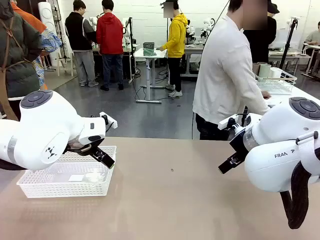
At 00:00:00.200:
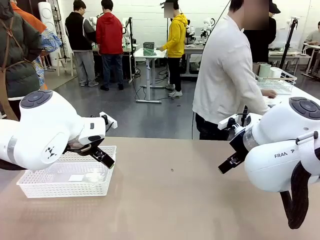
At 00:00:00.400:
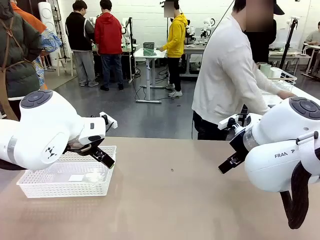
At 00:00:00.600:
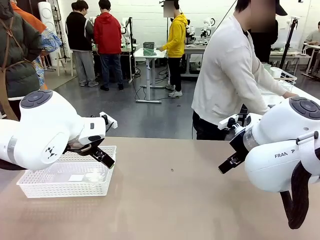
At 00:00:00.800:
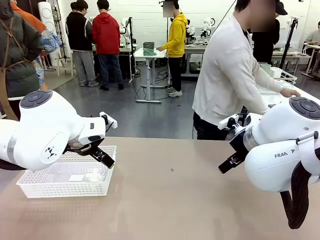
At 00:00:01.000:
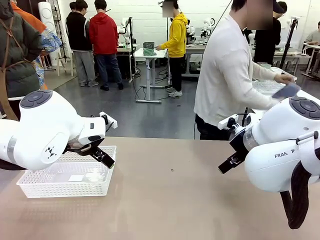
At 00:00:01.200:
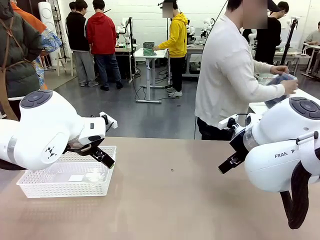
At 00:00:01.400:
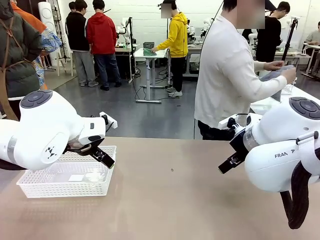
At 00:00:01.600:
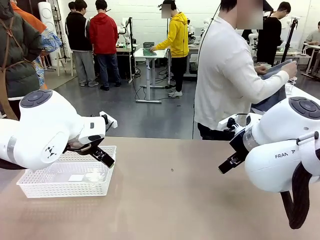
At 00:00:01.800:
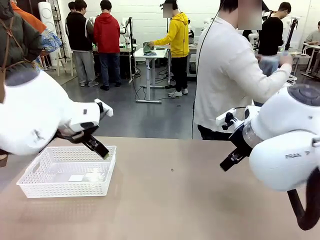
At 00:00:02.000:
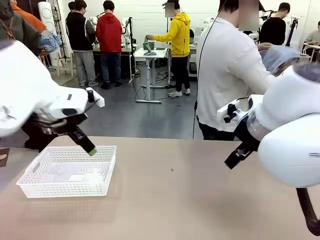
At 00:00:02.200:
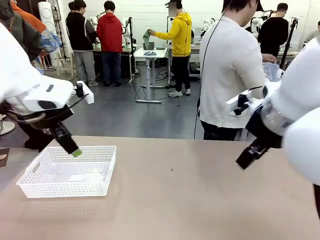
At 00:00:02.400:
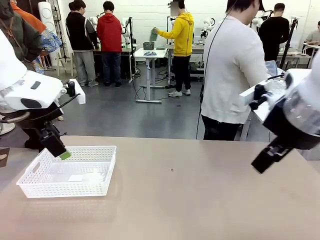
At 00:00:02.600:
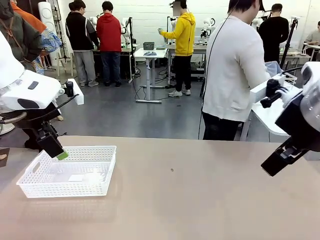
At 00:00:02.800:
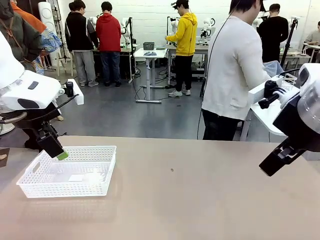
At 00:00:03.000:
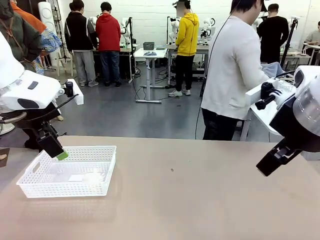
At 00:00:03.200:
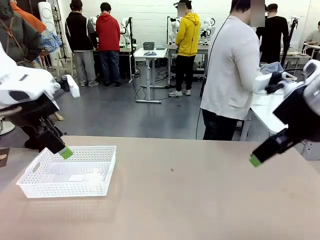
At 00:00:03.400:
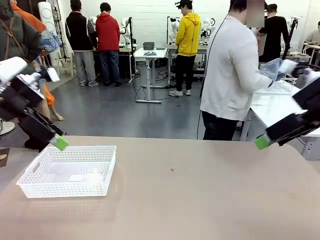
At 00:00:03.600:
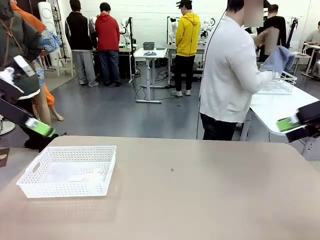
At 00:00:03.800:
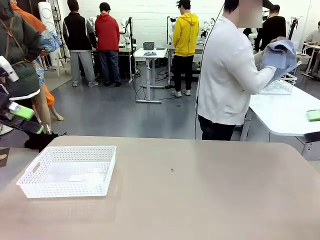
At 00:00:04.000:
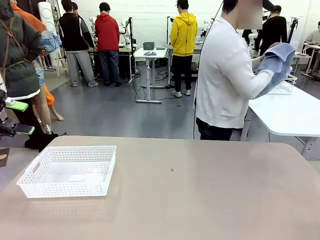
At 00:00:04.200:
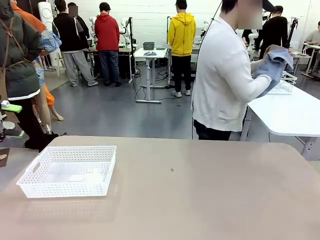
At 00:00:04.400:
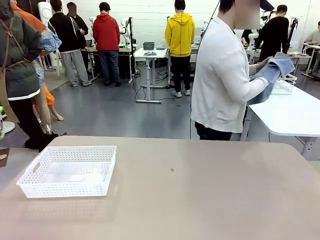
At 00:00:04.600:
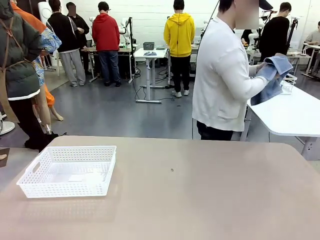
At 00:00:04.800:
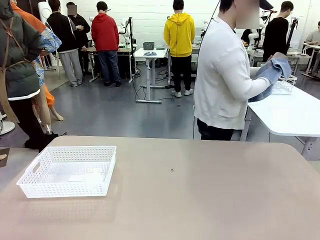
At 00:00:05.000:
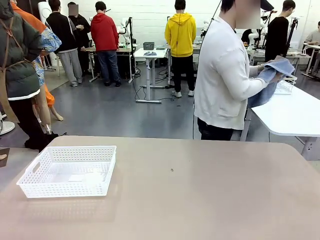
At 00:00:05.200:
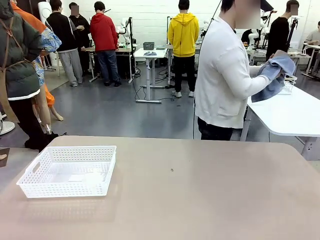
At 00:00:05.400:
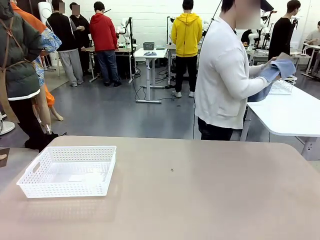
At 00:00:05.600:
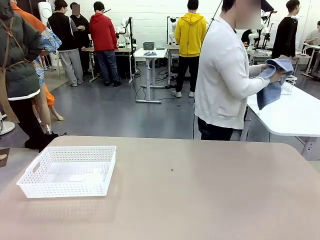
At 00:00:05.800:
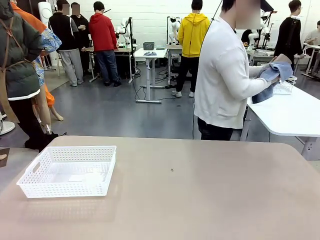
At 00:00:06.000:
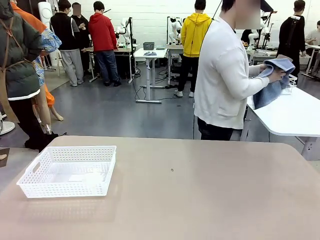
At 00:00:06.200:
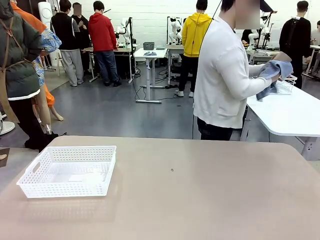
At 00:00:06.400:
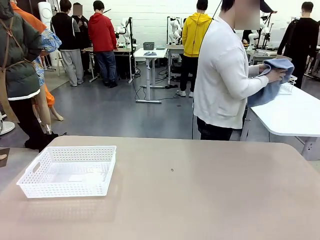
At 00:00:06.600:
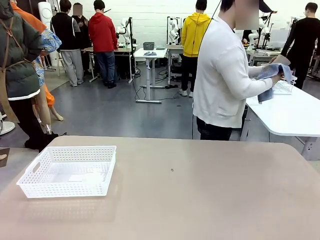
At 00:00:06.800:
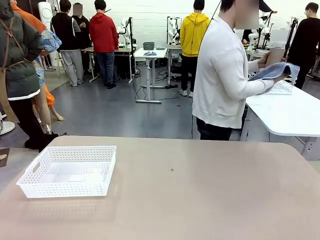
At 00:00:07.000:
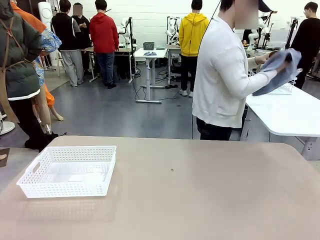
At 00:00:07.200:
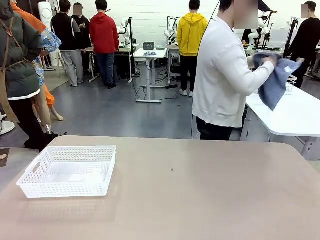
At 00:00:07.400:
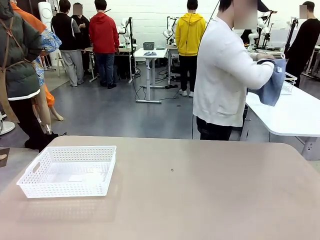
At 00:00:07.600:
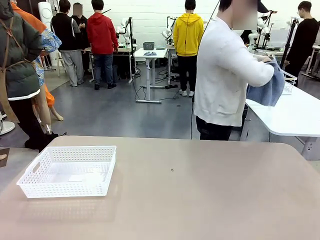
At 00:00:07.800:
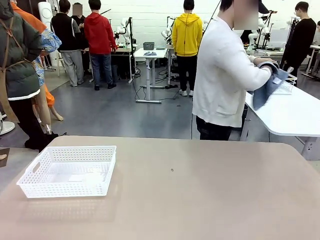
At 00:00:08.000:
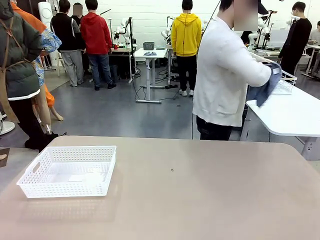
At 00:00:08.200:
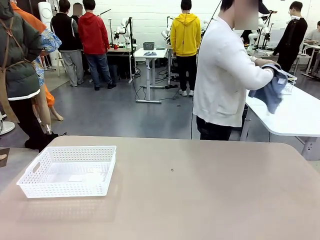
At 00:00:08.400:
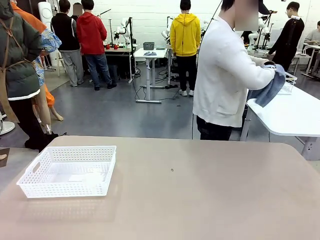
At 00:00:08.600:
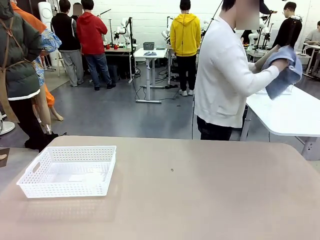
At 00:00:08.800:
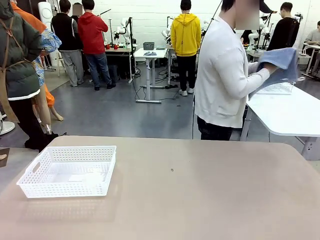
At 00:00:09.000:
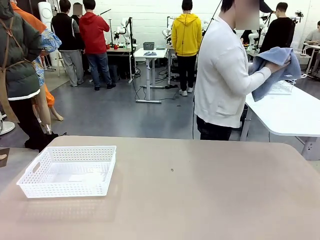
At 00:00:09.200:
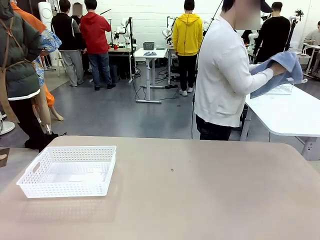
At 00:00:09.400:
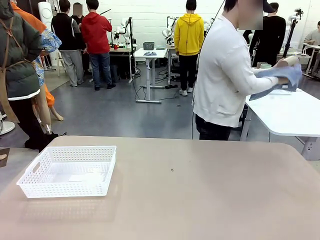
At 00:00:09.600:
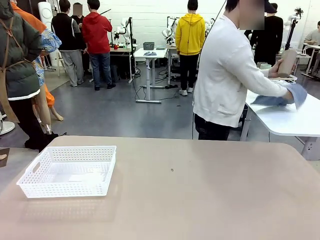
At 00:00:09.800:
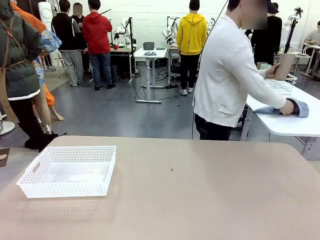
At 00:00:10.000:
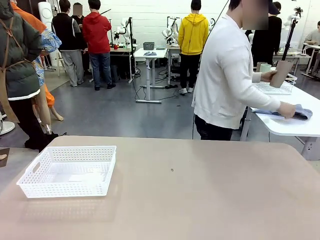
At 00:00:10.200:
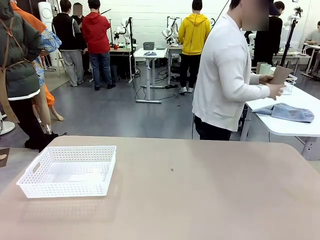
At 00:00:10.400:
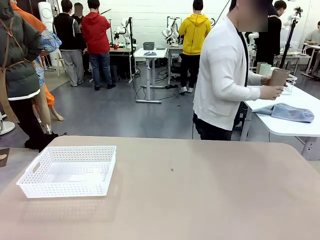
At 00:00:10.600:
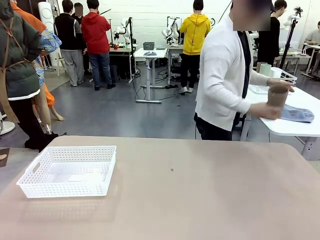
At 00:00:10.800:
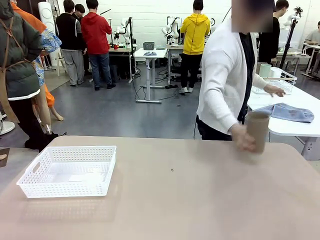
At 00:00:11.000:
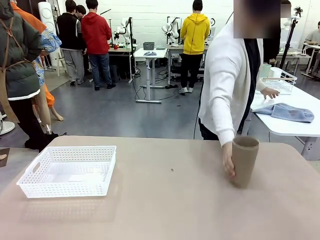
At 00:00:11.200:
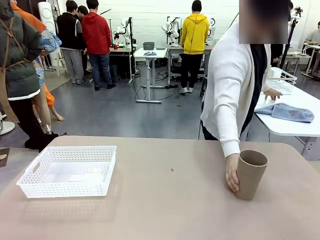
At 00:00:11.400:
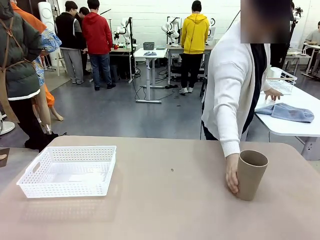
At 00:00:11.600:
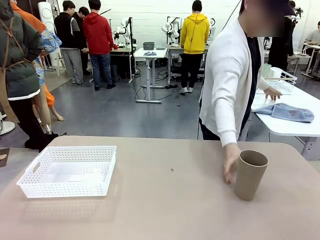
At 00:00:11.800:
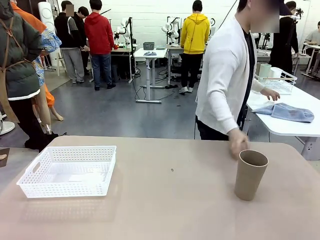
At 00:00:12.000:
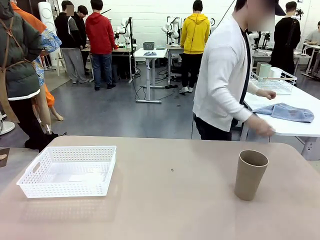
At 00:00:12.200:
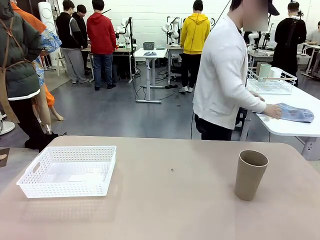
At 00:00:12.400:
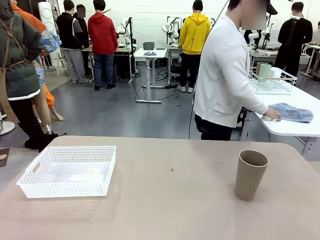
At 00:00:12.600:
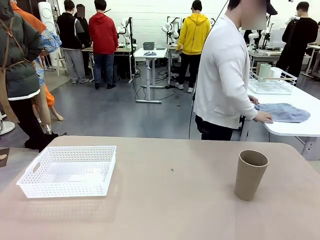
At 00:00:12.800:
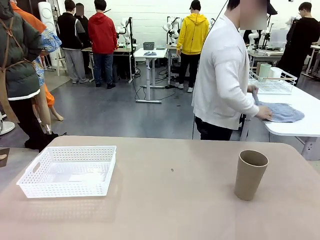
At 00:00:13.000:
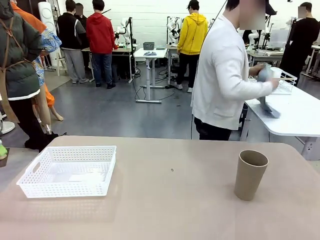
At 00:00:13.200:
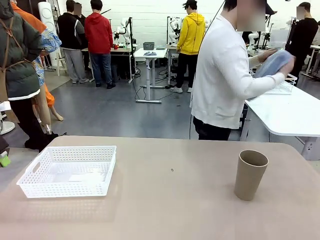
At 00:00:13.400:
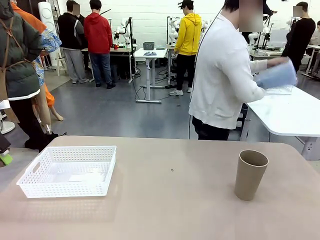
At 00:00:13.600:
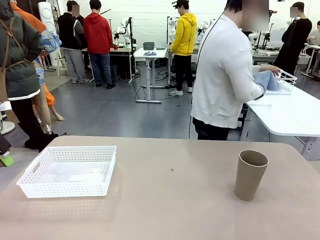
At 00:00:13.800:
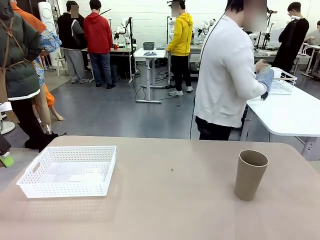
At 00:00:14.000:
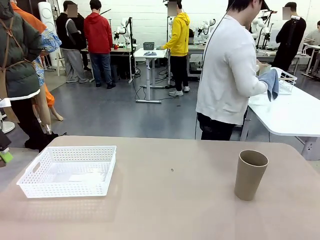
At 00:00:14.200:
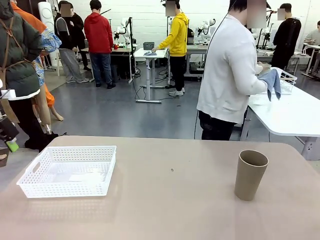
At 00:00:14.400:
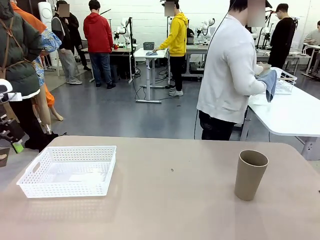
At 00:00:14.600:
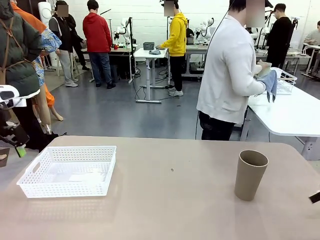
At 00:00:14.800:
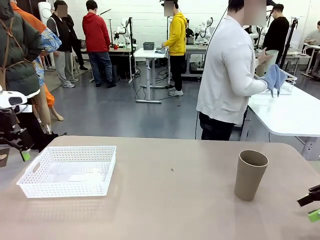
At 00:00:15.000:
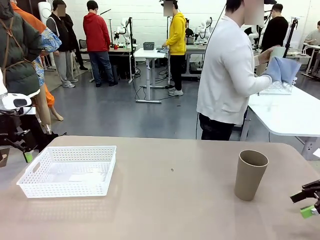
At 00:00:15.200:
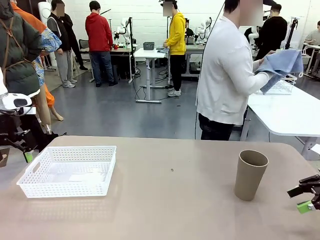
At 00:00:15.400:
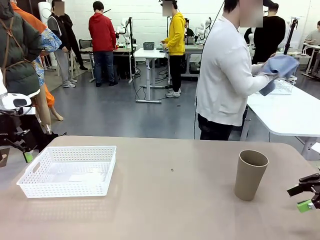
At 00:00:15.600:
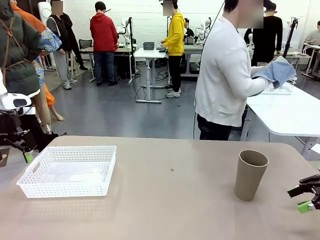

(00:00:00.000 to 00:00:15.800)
Task: Clean and organize the cups into the basket.
Robot: Pick up the Organizing basket and move it to the center of the table, then pick up the Reusable plastic cup from the right side of the table and place it inside the Organizing basket.
Person: Picks up a cup and a towel, cleans the cup with the towel, and places it on the left side of the robot table.
